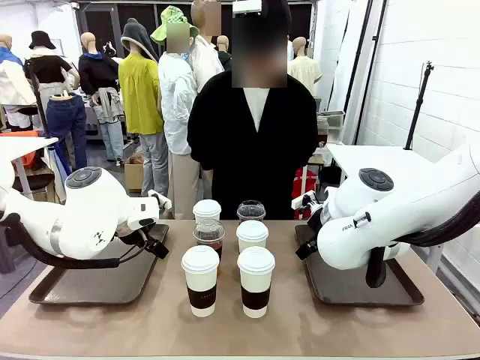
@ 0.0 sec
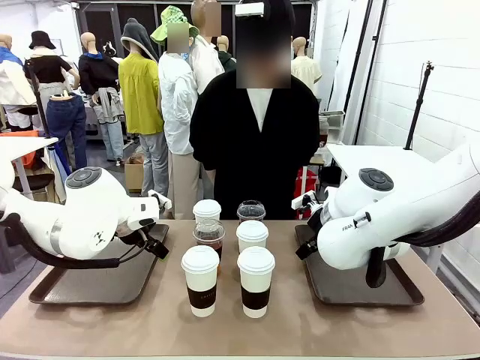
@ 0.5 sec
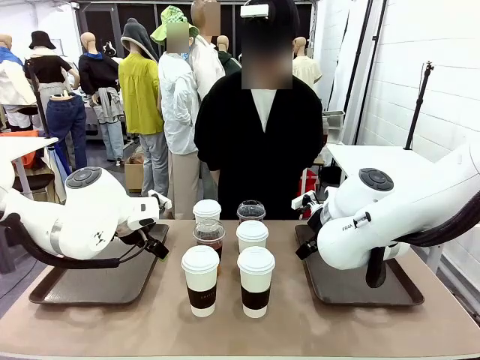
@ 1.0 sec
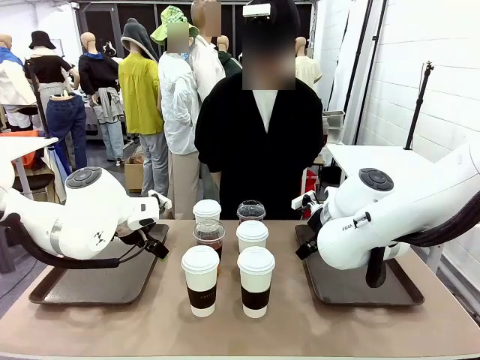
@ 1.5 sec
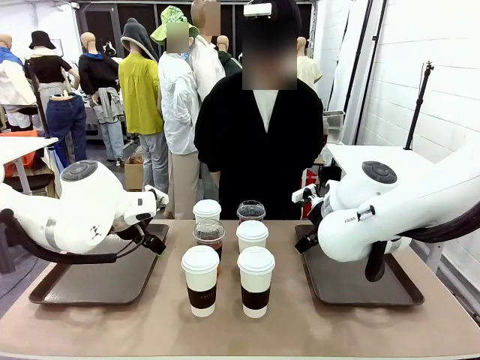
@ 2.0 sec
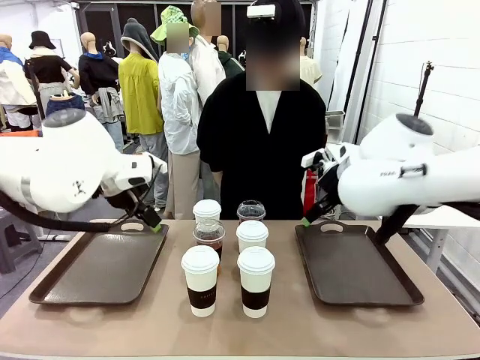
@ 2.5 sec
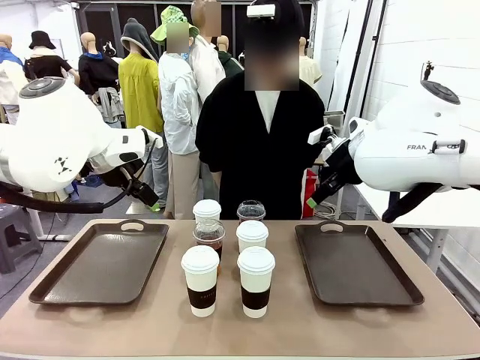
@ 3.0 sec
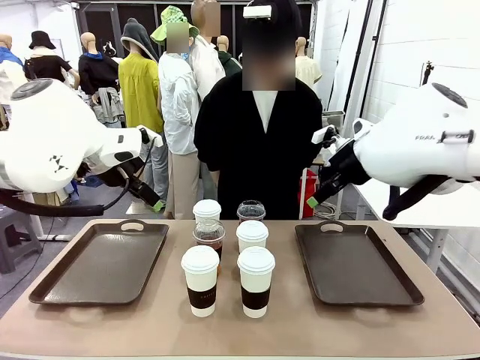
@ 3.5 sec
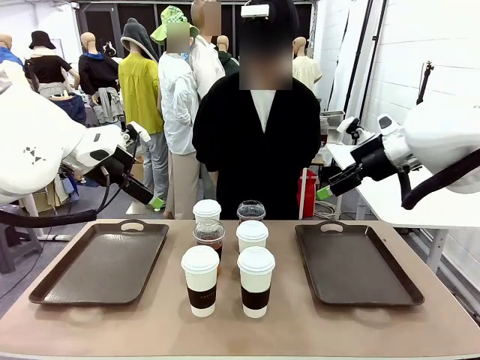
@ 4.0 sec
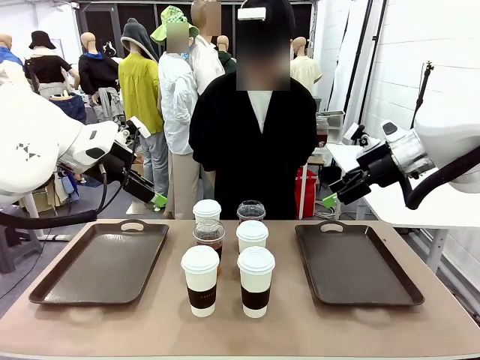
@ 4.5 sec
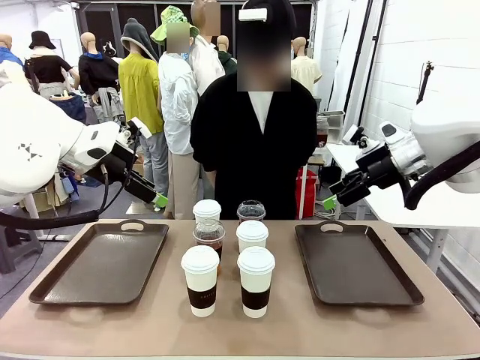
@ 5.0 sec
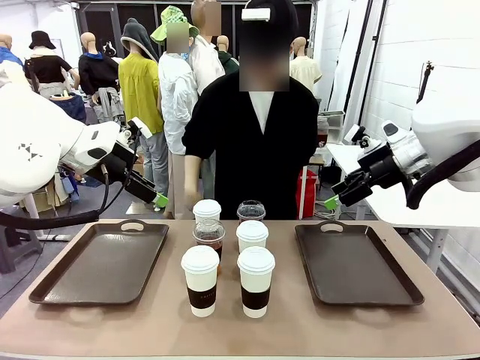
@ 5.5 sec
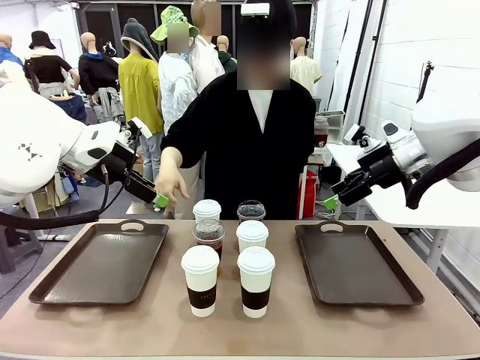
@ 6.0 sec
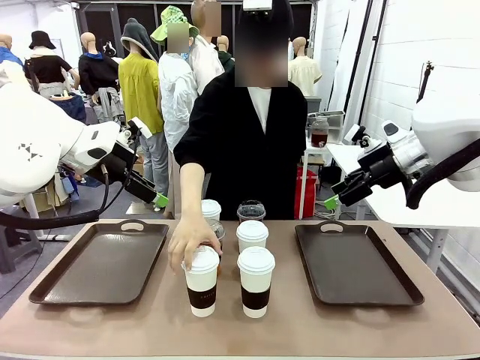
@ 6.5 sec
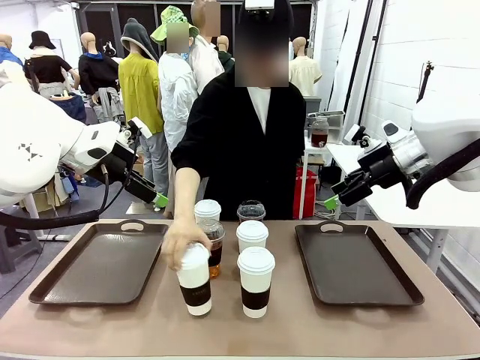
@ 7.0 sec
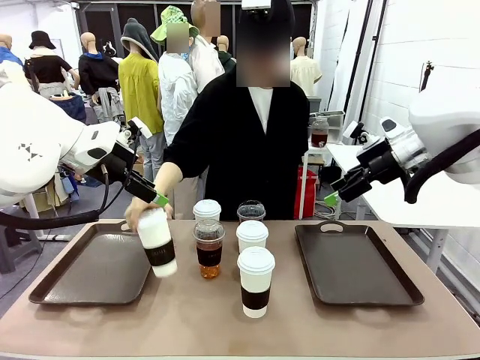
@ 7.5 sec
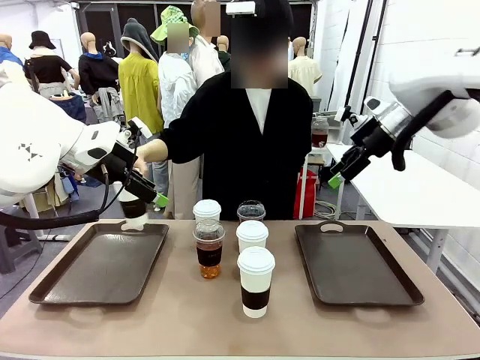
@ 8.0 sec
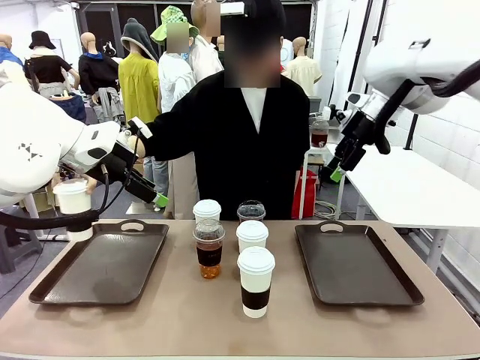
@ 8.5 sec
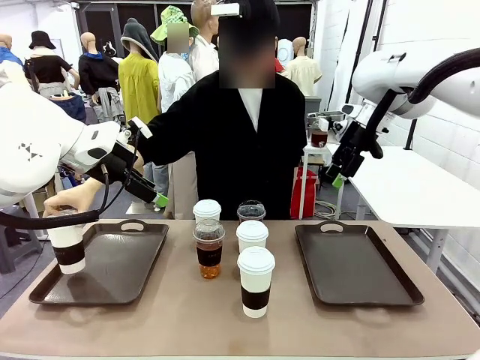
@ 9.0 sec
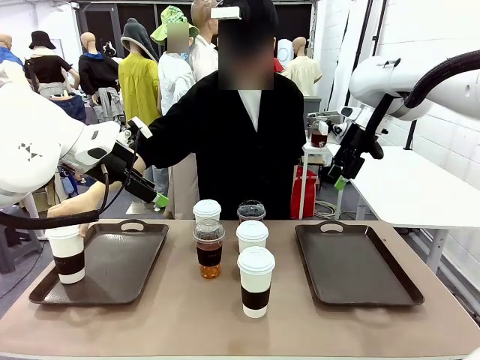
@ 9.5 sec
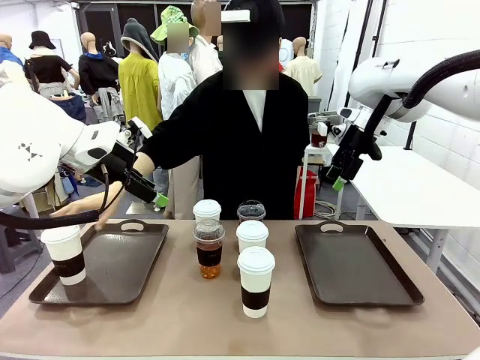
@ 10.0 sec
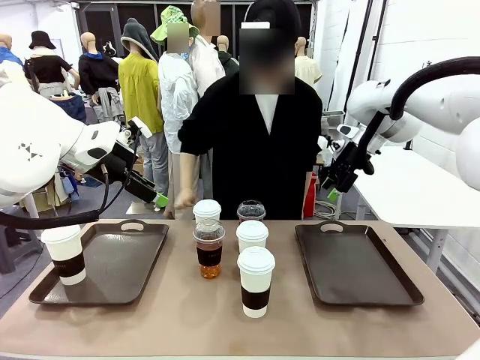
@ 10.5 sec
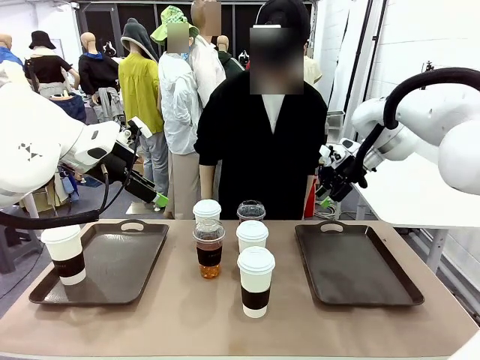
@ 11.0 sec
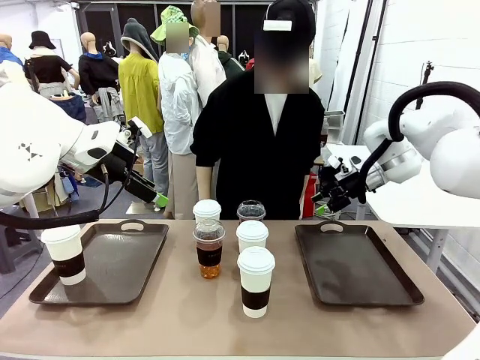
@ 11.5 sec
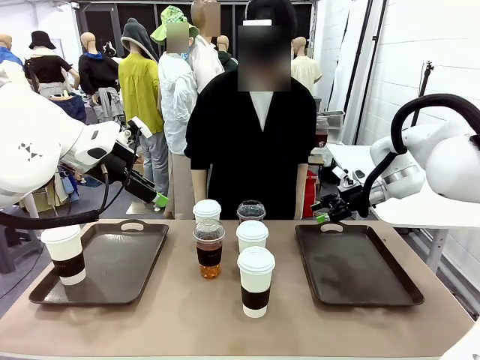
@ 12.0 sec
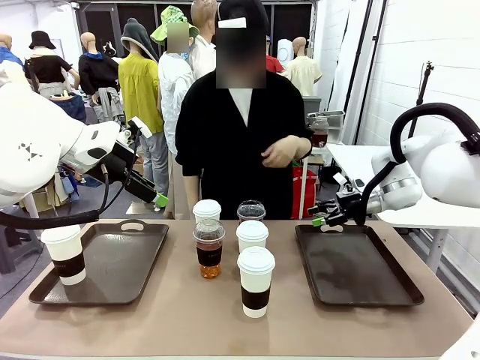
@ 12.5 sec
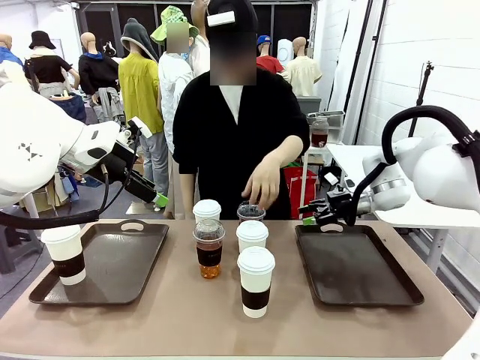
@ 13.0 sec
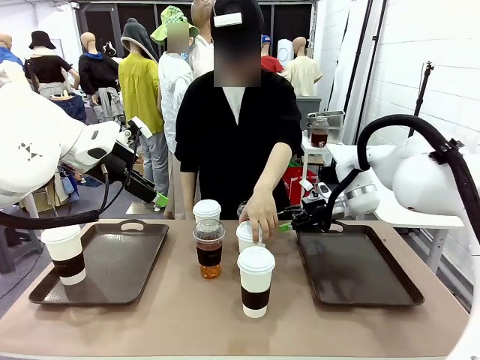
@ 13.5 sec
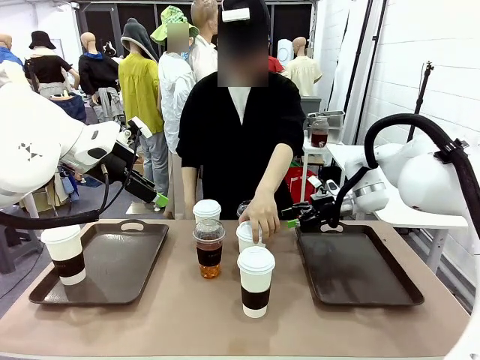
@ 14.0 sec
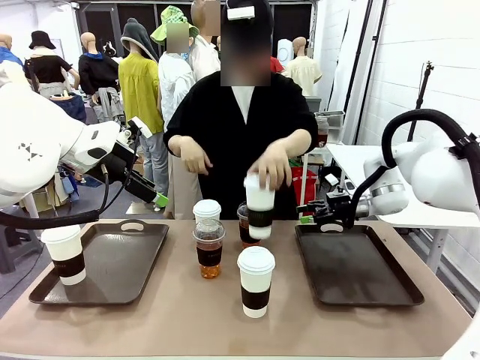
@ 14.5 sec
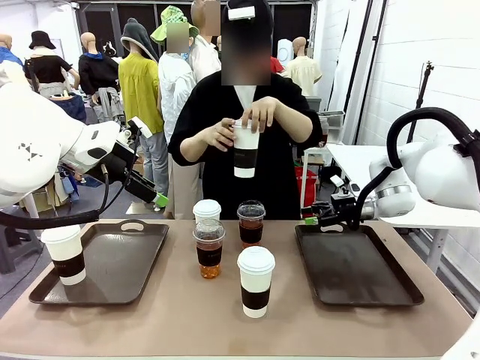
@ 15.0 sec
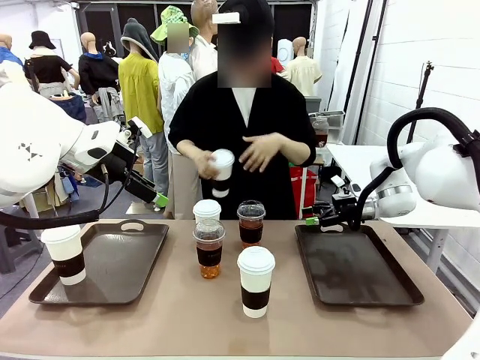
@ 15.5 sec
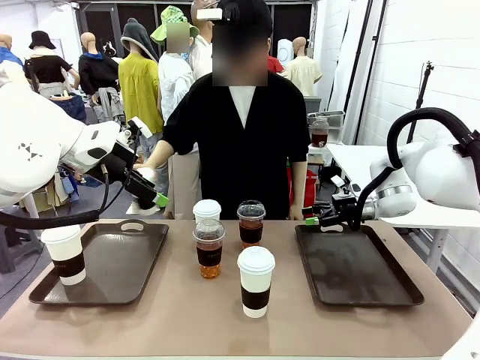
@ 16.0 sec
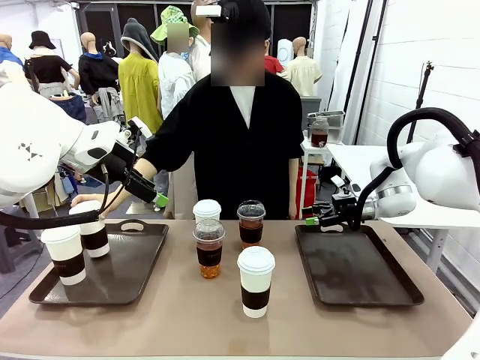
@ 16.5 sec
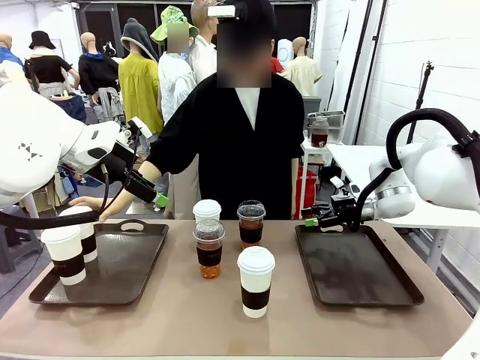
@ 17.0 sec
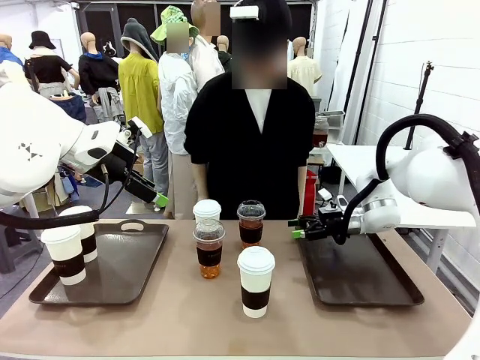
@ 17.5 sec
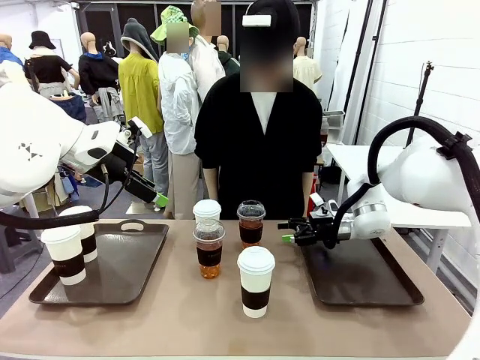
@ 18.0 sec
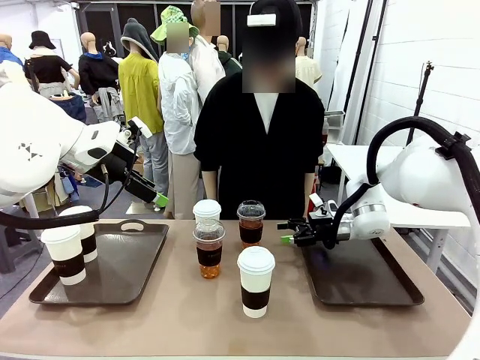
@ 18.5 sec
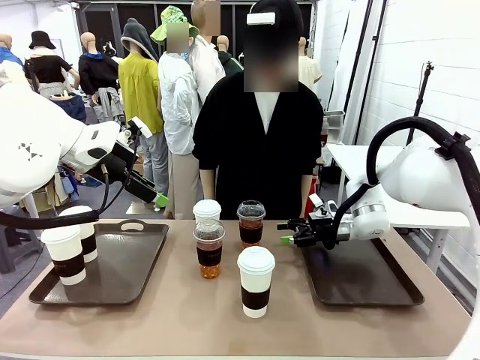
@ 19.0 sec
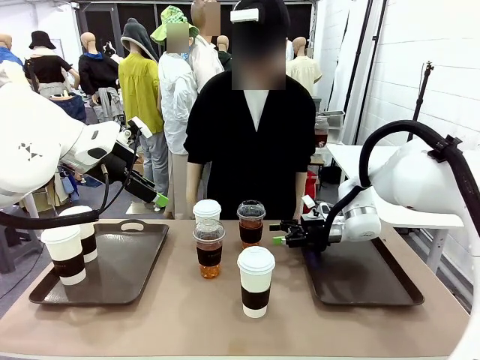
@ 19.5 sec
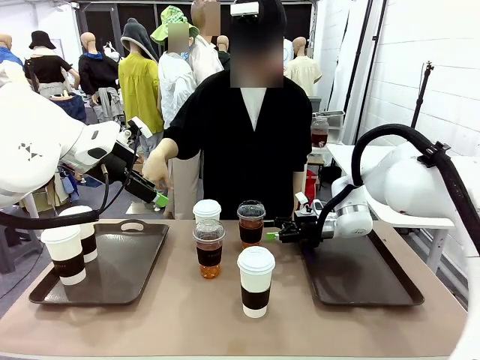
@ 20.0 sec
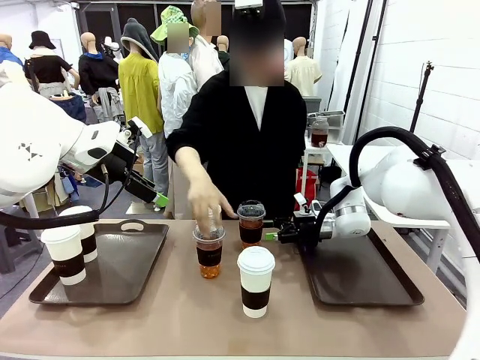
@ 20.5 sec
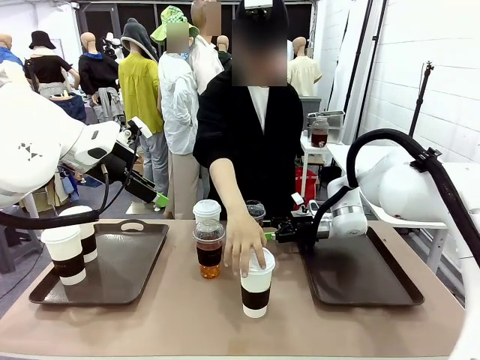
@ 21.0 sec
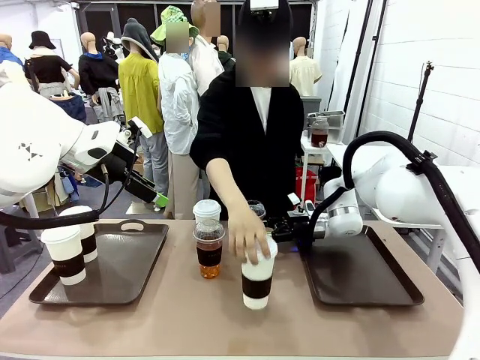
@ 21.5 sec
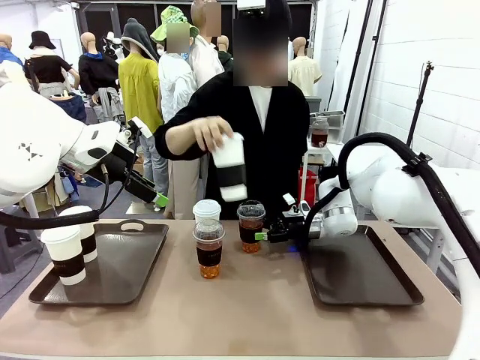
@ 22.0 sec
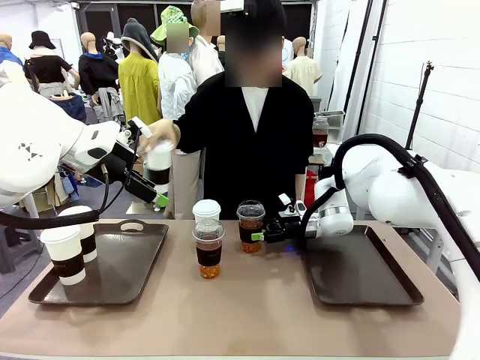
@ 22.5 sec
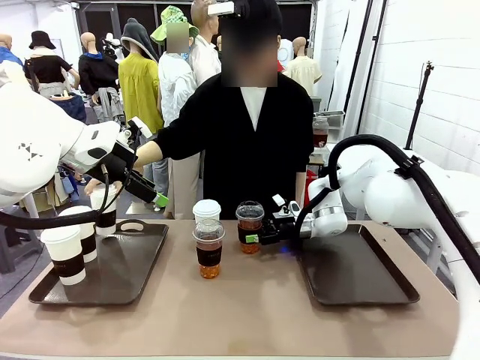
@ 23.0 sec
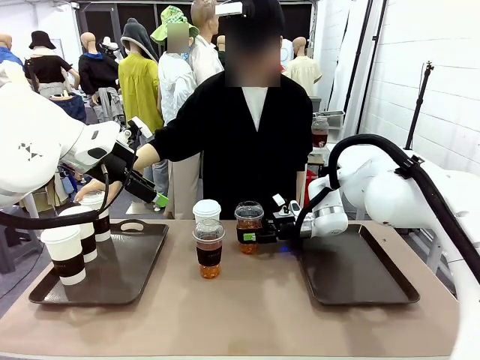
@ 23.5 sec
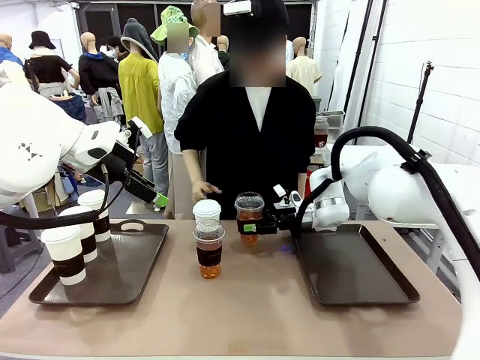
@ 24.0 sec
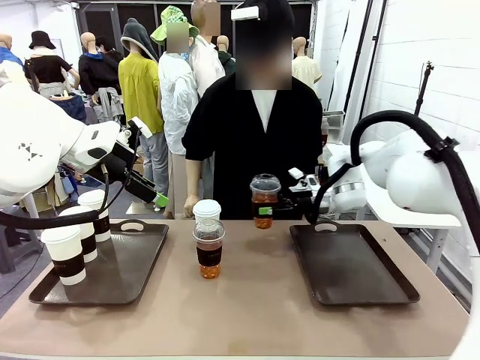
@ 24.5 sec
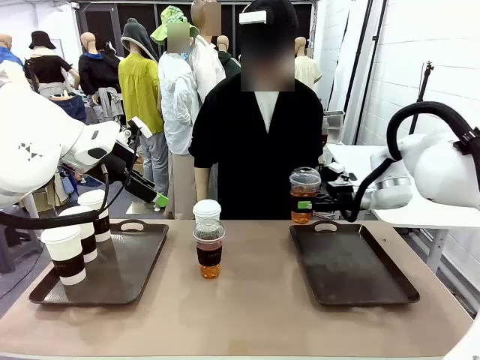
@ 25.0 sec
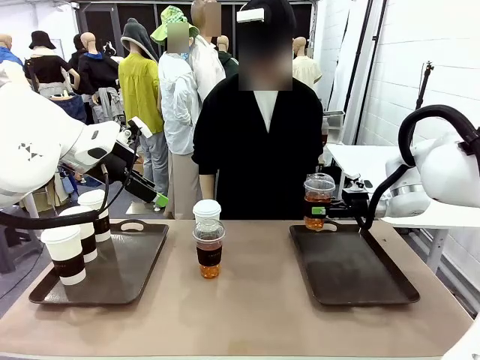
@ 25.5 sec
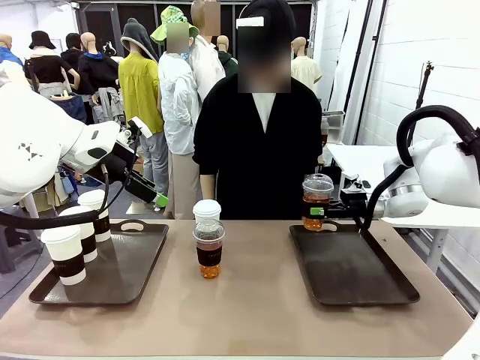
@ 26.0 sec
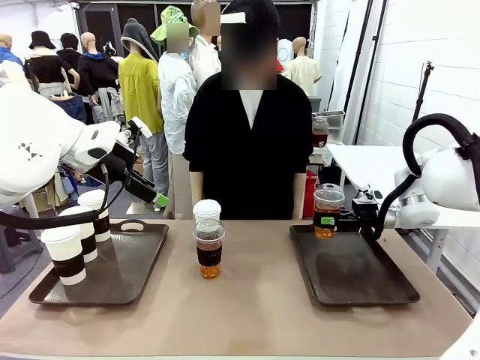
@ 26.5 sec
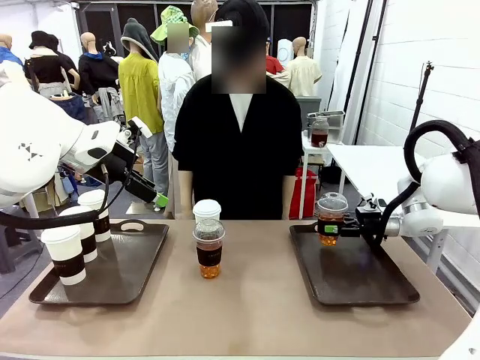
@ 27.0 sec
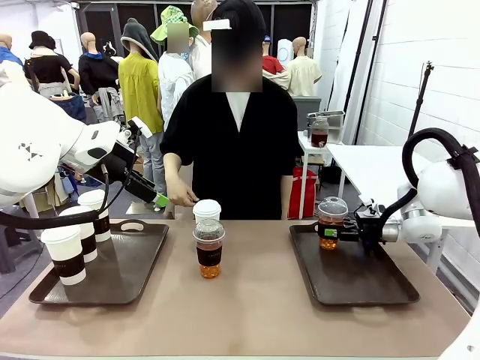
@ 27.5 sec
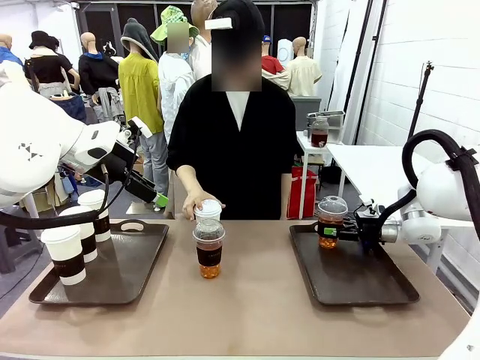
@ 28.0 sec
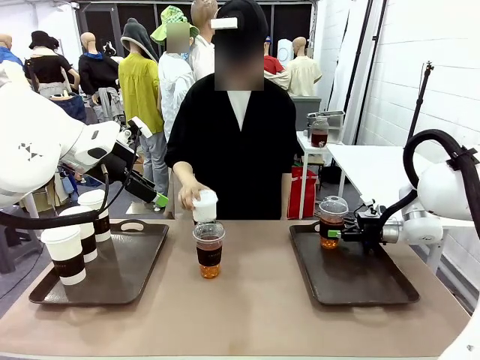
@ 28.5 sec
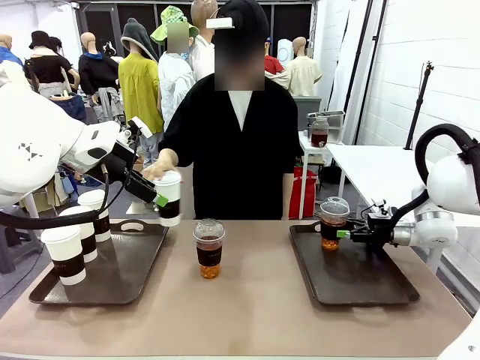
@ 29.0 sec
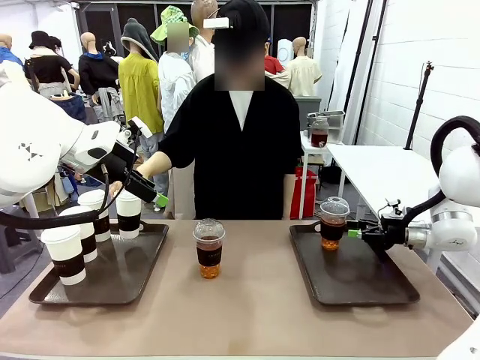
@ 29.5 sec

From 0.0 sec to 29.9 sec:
Task: Distribute the coffee onto the tray.
Robot: Pick up one iced Americano and place it on the right Handle tray.
Person: Pick up a cup of hot Americano and place it on the right tray. Pick up a cup of hot Americano from the middle of the table and place it on the right tray.
